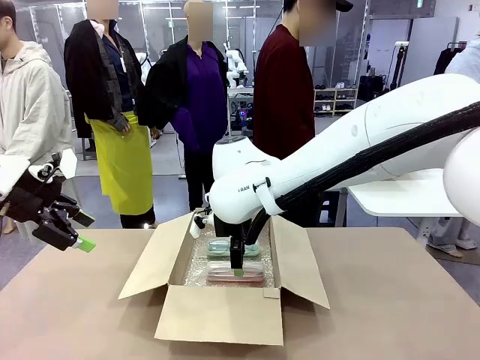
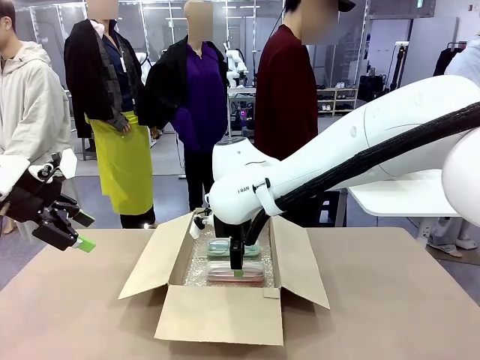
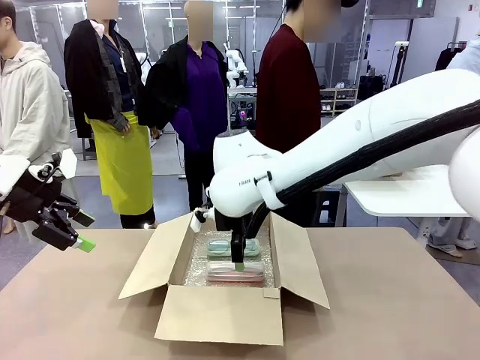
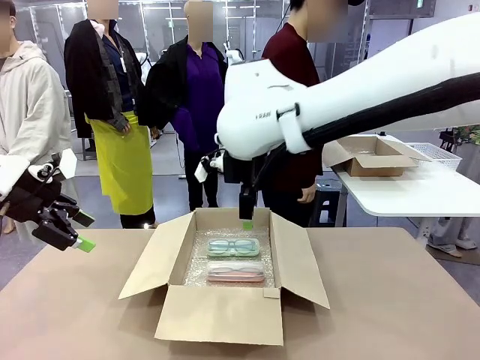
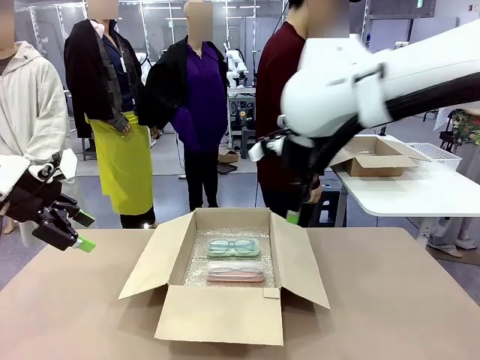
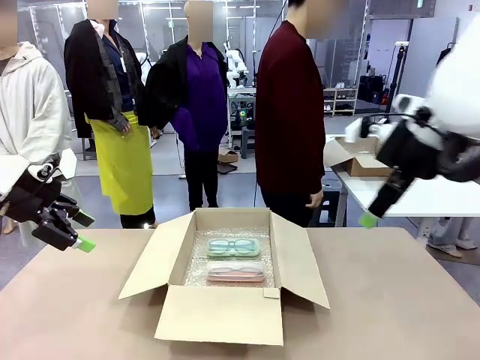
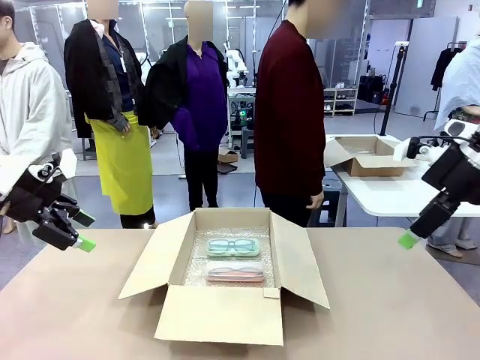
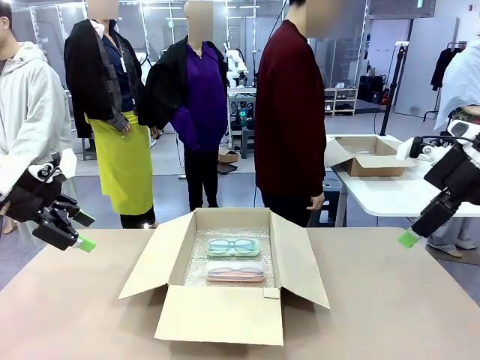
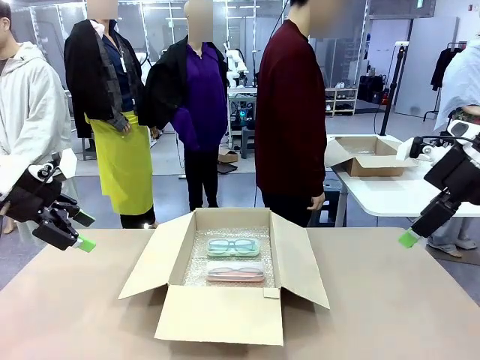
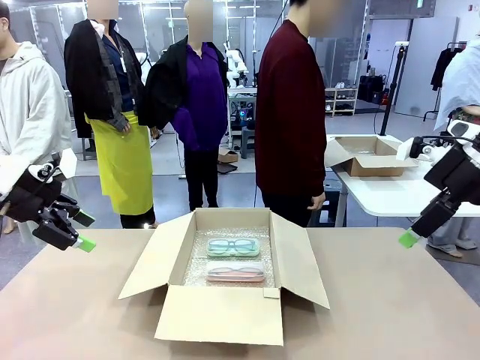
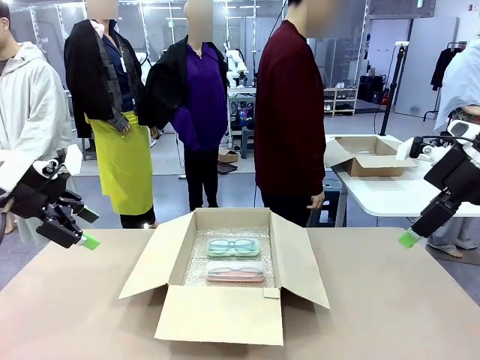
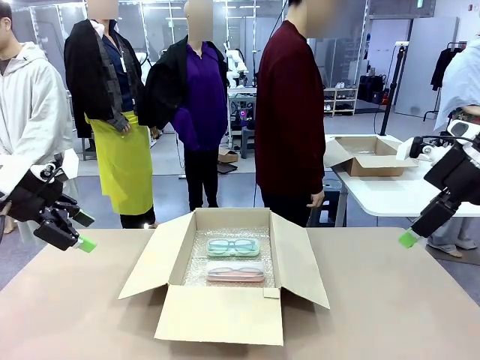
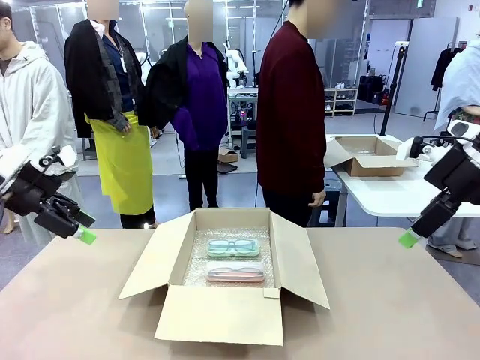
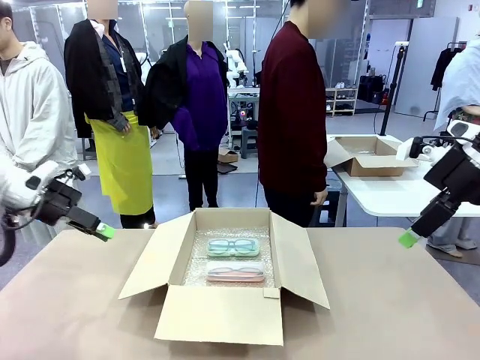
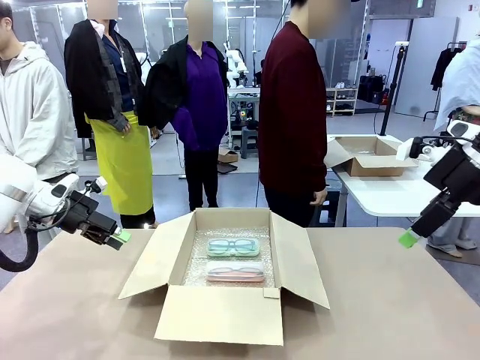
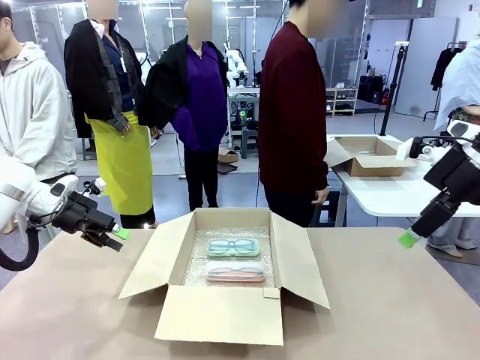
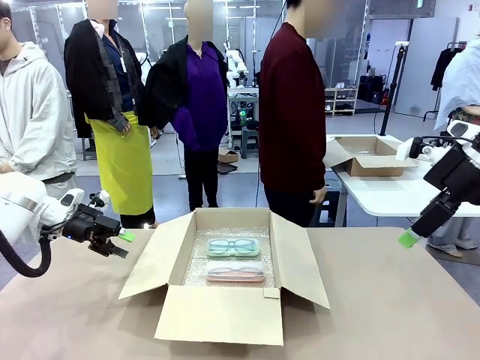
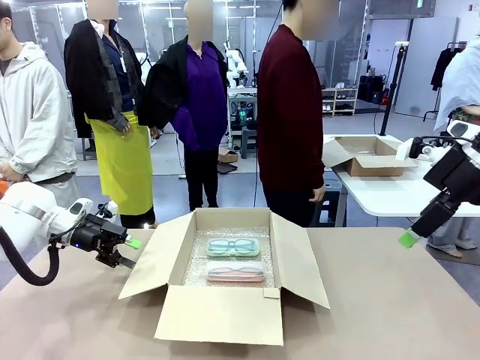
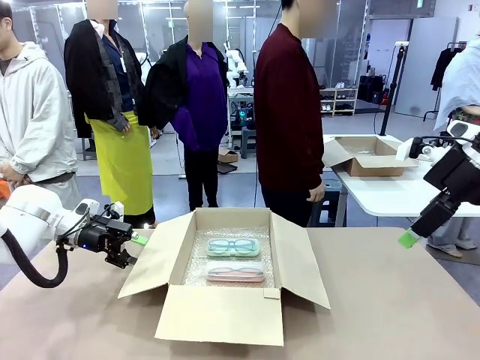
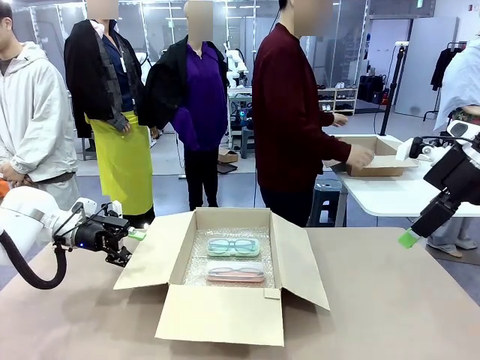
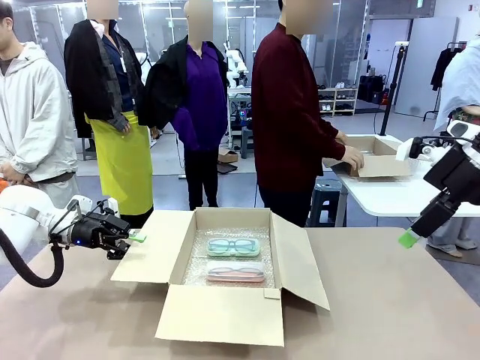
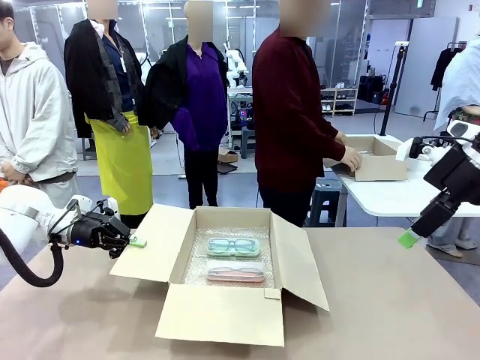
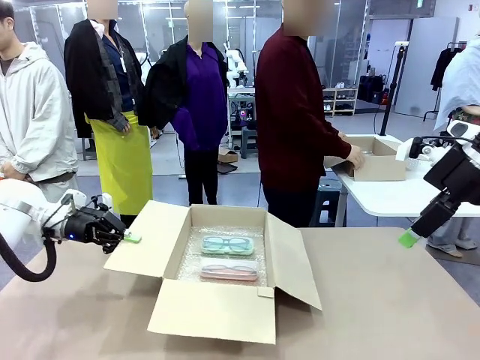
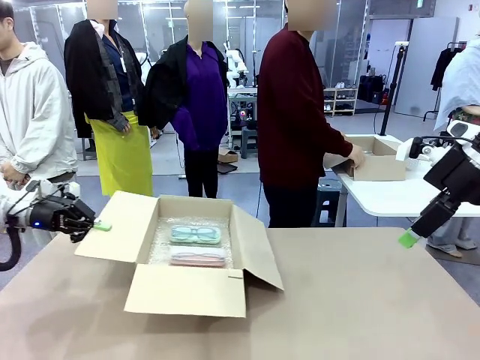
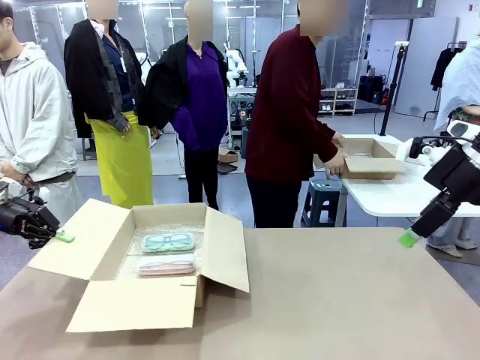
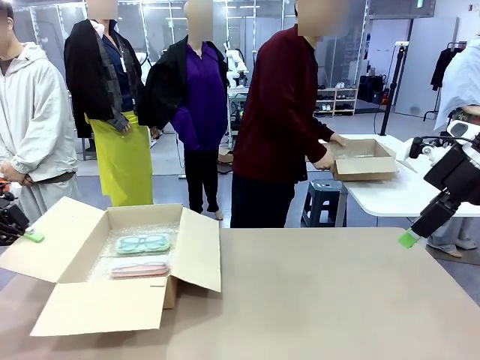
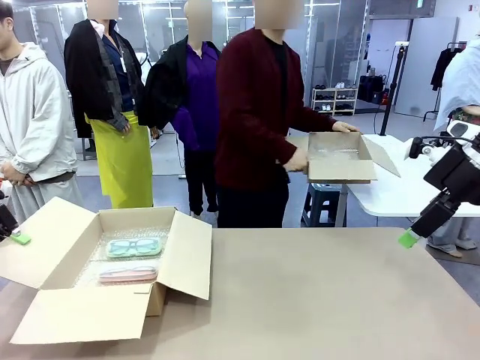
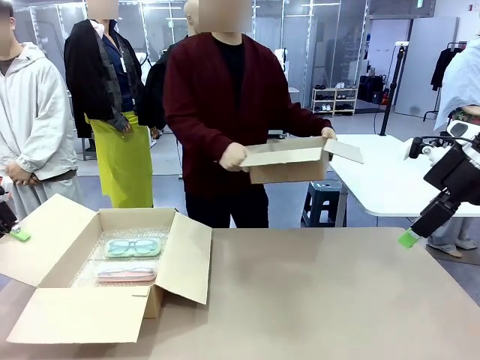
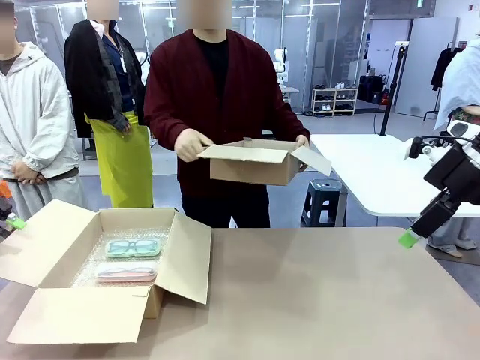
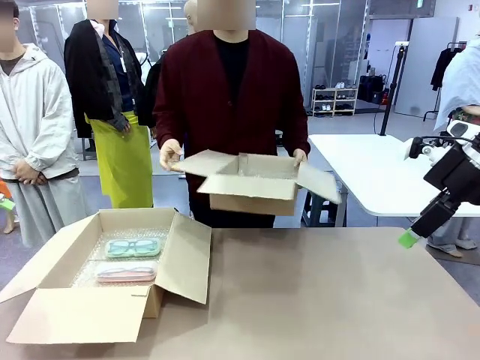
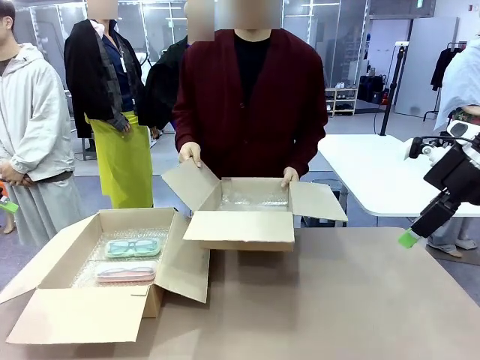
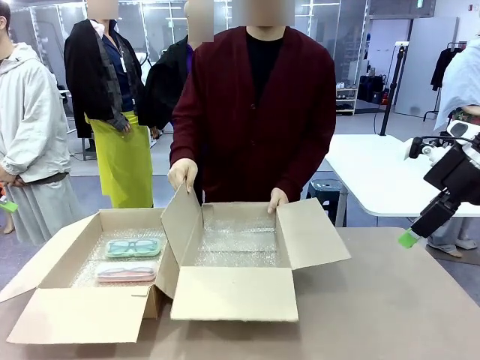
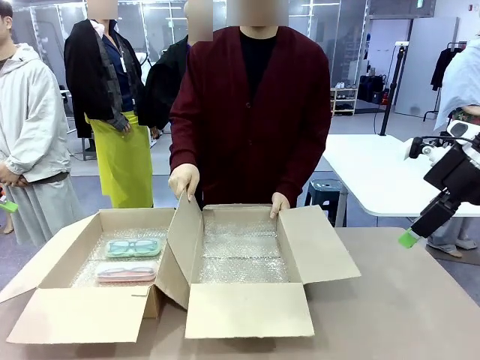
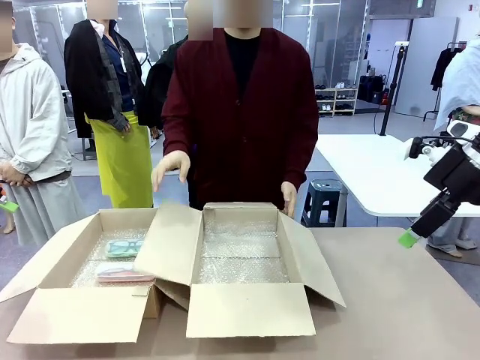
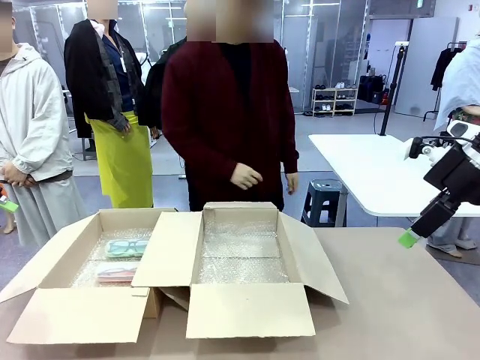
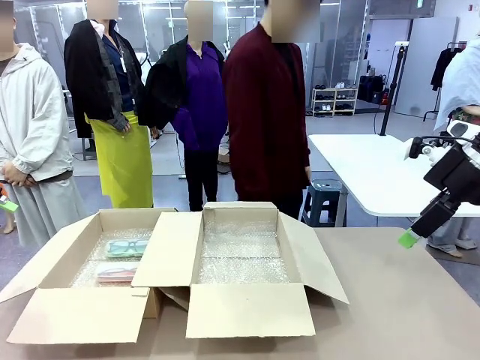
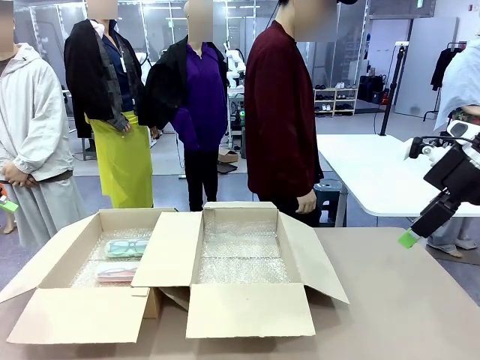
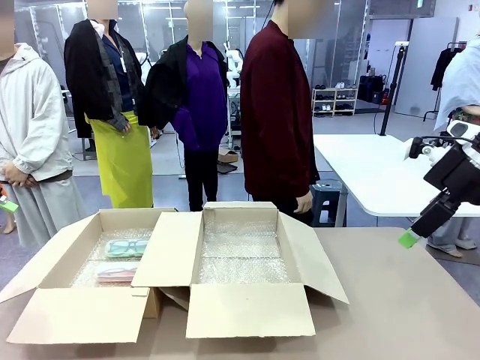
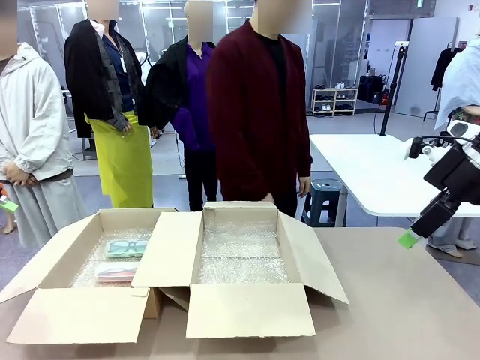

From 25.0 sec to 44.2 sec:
Task: Pack the glasses set securely to prepare it for shipping.
Robot: Position the Package Box on the left side of the table.
Person: Position the empty Package Box in the middle of the robot's table.

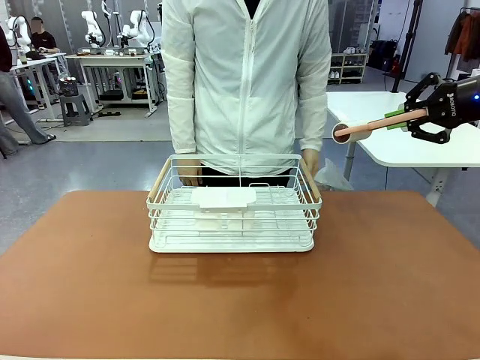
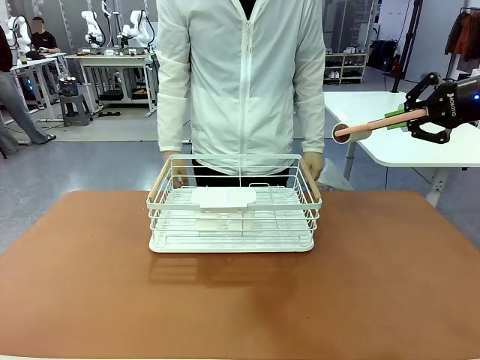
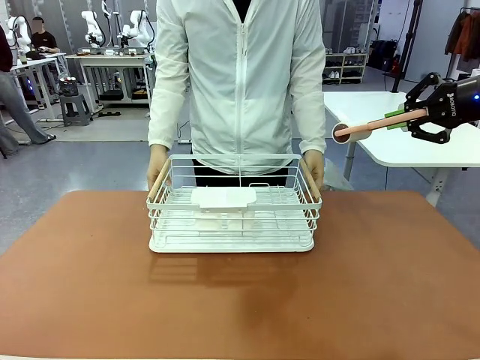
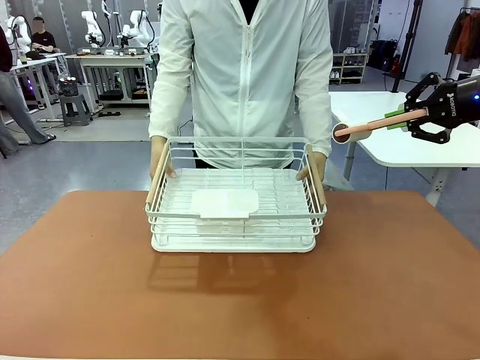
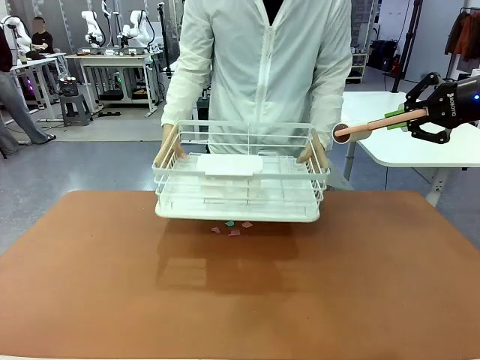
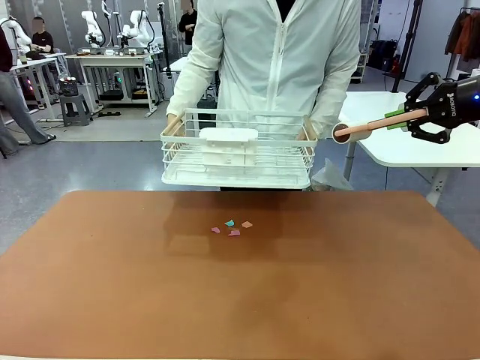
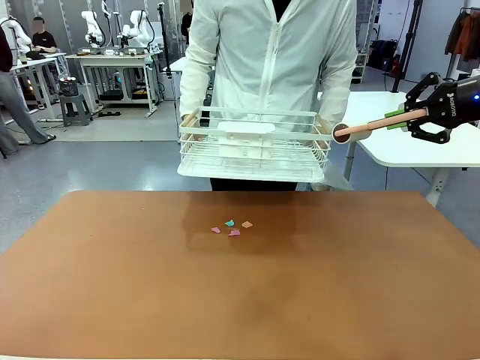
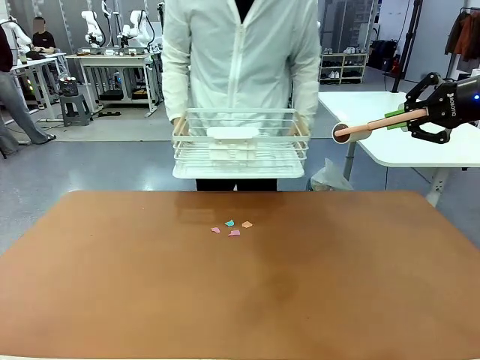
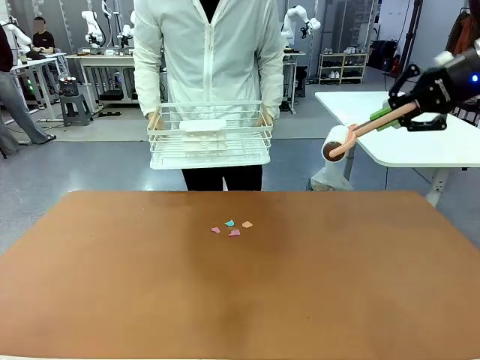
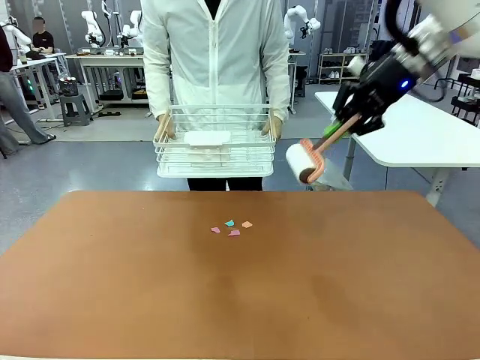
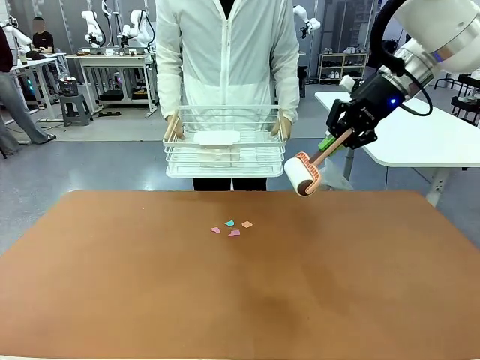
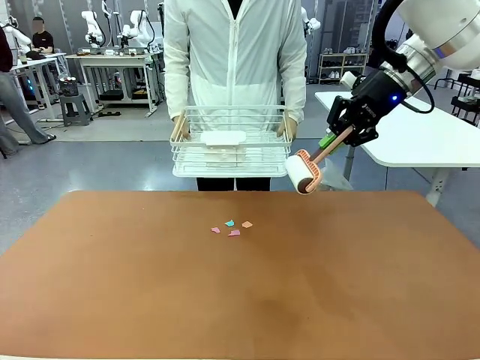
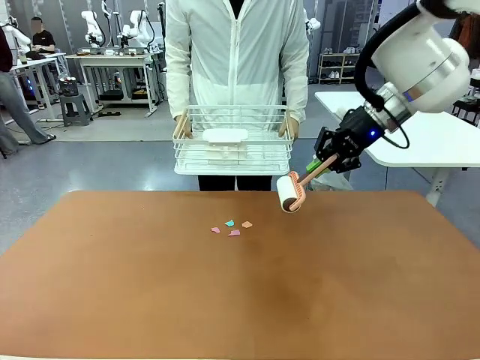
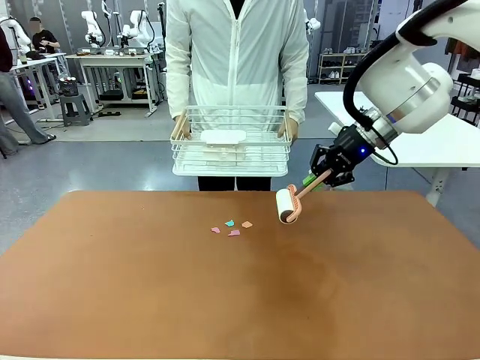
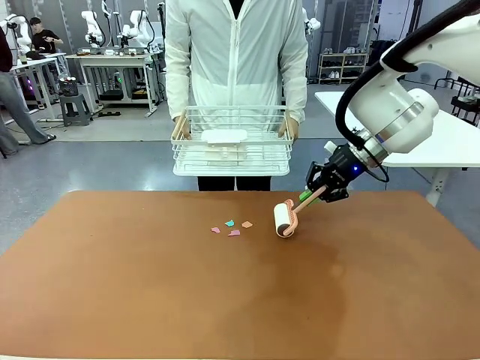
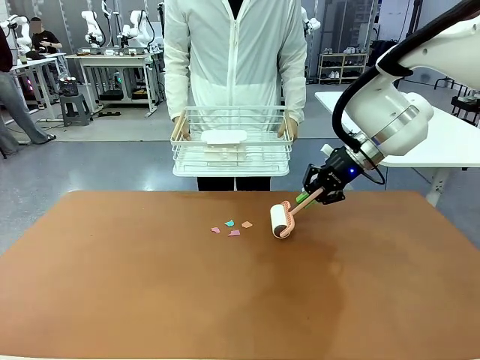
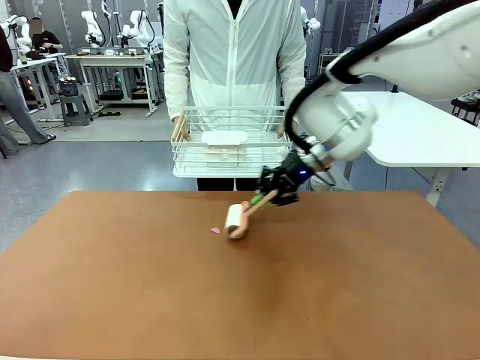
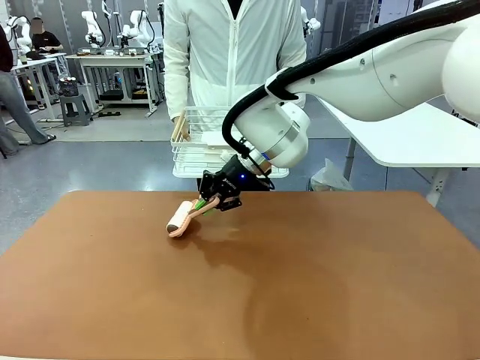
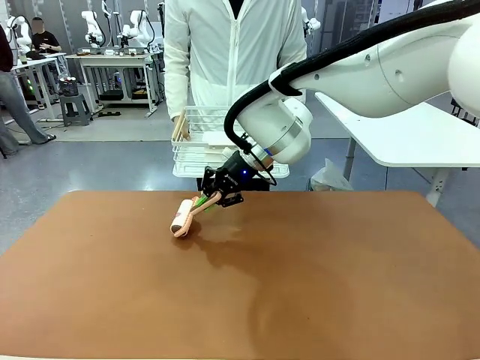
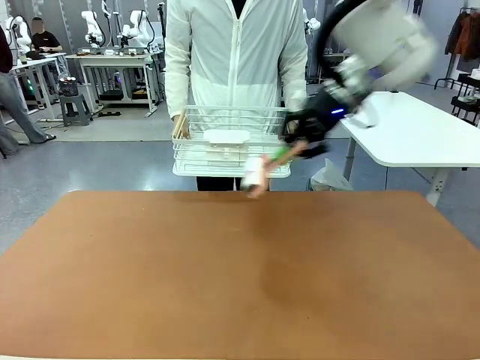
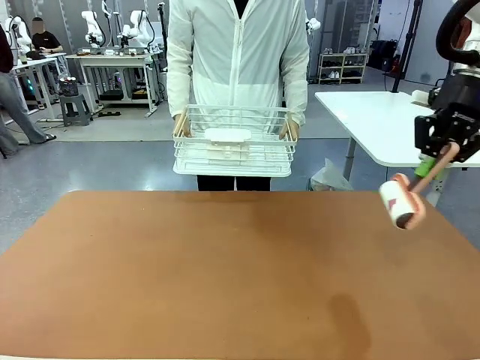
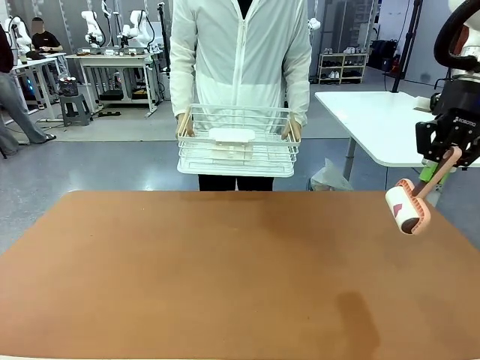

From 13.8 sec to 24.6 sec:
Task: Clean the table.
Robot: Clean the table with the Lint Roller when the human lifts the Dish drying rack.
